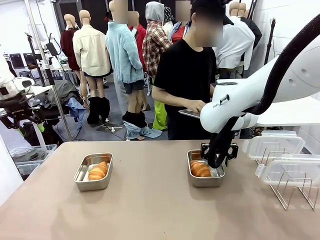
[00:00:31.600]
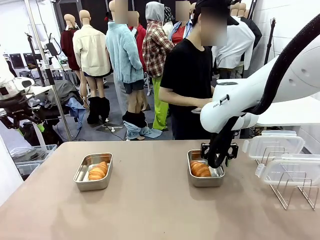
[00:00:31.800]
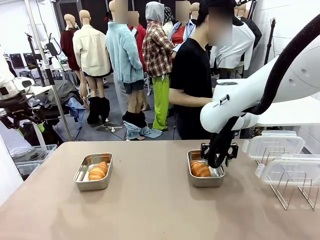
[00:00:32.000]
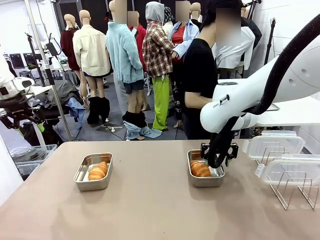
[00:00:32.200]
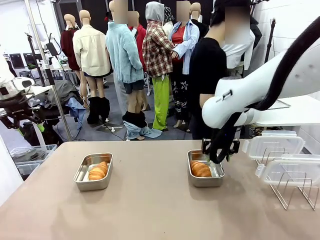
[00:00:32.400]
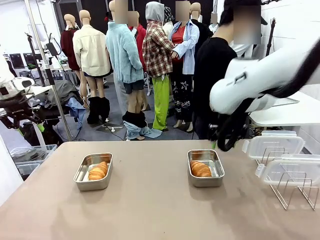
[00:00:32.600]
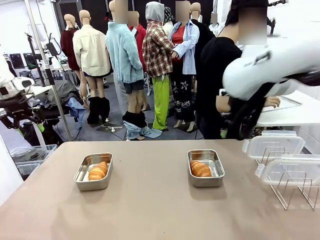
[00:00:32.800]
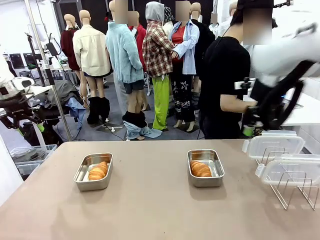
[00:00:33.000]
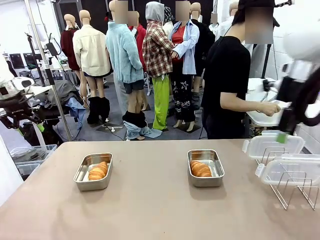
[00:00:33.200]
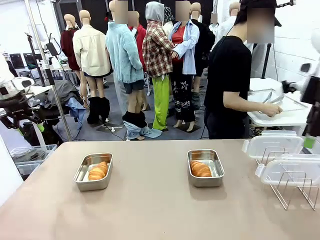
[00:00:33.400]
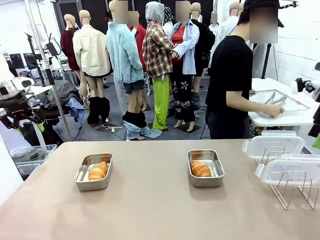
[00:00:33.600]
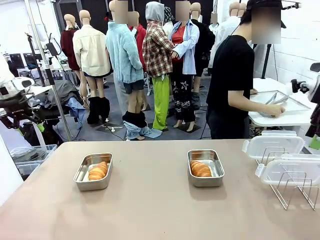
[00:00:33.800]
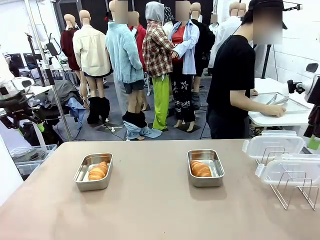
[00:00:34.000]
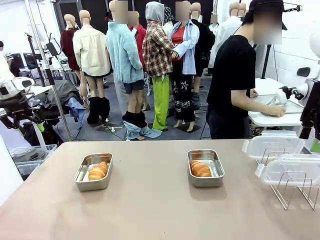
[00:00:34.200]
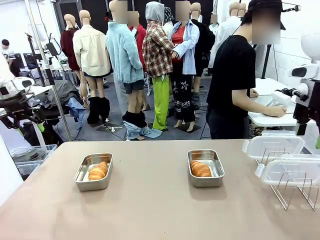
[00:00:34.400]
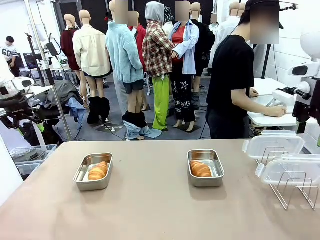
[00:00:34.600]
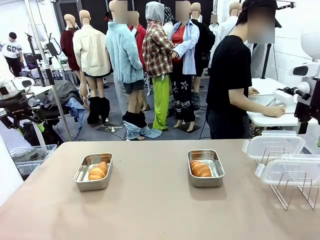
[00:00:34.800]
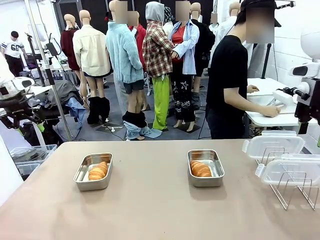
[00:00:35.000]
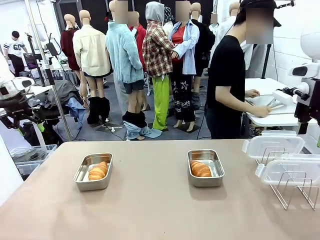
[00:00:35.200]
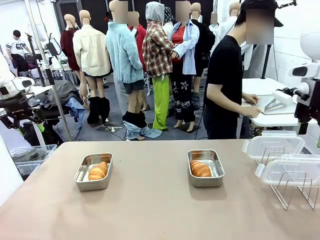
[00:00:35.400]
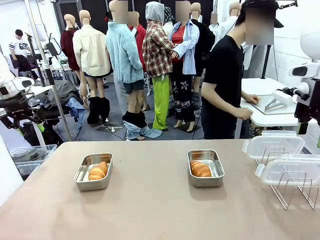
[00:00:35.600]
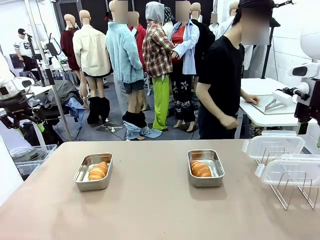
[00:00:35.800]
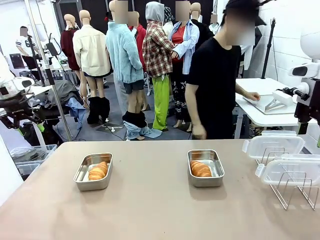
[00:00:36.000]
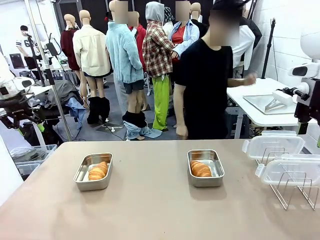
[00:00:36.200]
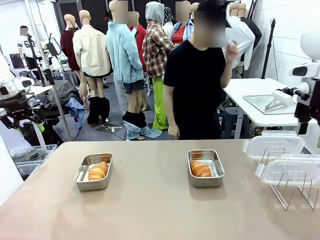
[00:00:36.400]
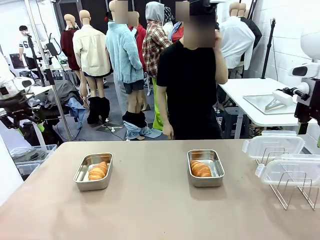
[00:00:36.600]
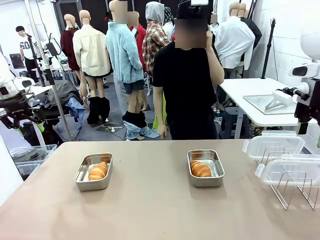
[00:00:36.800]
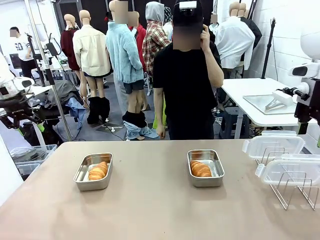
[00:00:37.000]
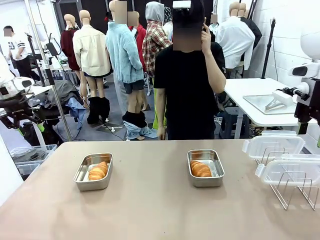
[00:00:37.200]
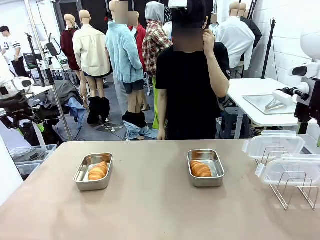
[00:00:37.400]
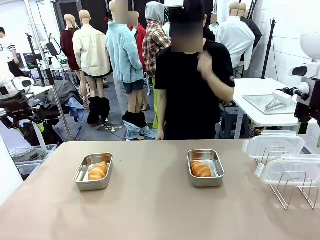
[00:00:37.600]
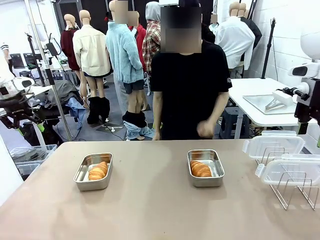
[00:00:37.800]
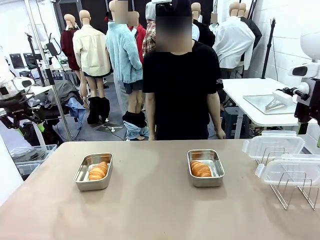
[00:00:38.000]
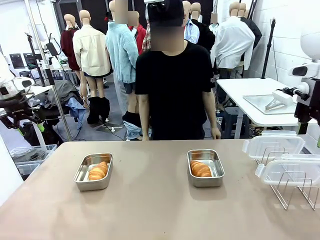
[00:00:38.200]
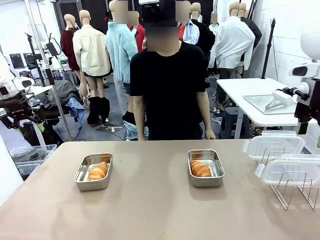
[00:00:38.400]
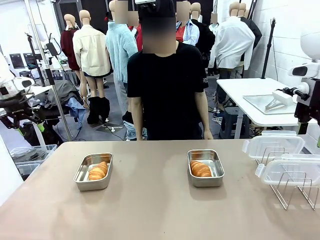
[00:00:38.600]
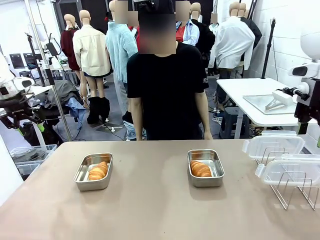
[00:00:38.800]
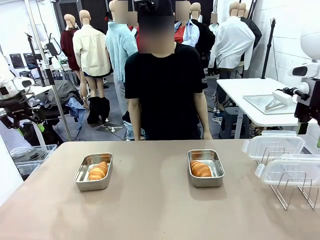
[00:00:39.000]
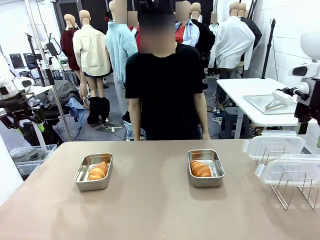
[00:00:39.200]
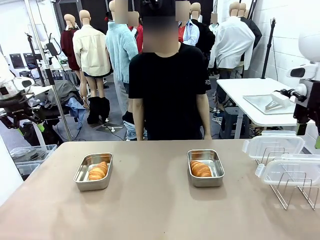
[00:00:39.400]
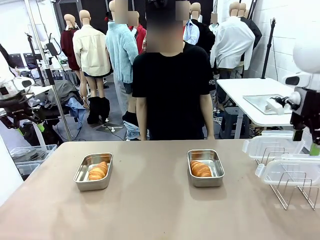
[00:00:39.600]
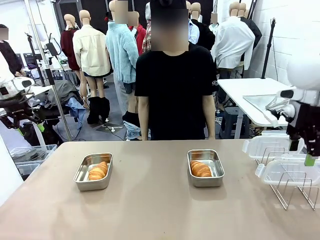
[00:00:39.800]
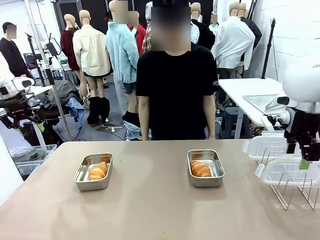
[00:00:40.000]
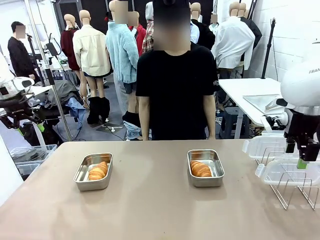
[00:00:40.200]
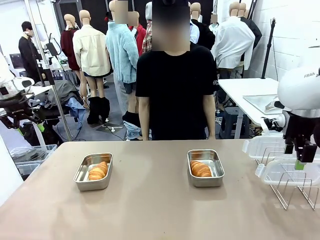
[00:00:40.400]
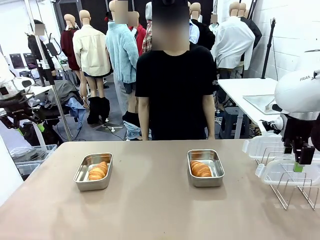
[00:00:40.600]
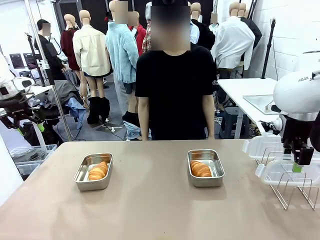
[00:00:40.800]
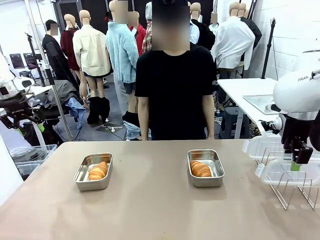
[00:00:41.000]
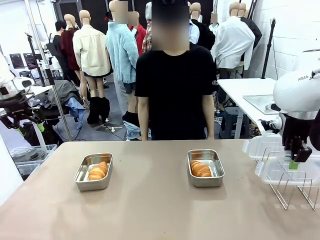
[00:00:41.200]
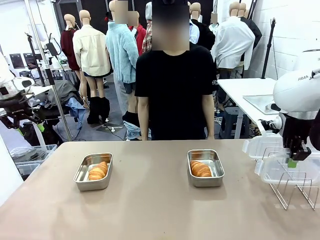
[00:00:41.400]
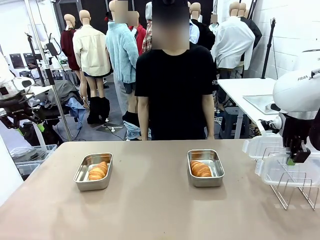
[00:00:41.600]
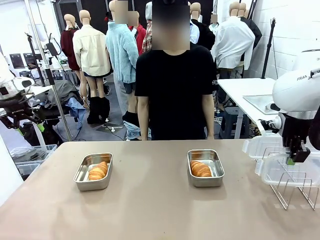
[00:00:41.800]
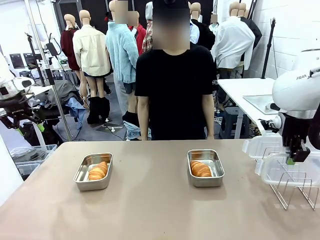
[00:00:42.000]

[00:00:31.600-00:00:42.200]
Task: Place the bread in airtight containers.
Robot: Pick up one Airtight Container lid and hand it to the human.
Person: Place Baking Sheet on the Human's Table.

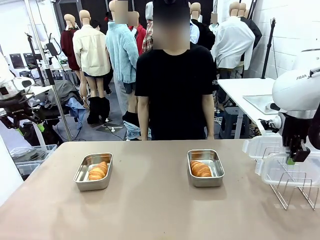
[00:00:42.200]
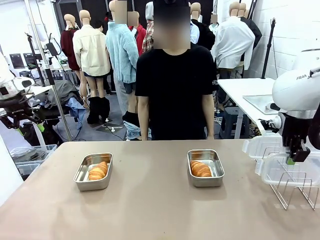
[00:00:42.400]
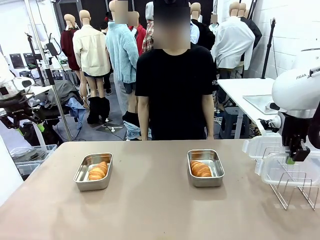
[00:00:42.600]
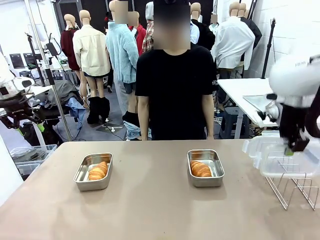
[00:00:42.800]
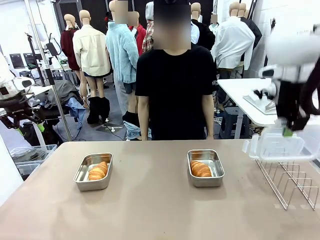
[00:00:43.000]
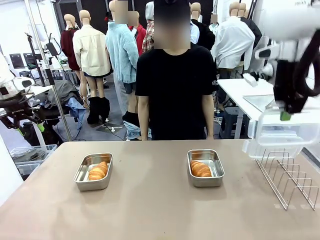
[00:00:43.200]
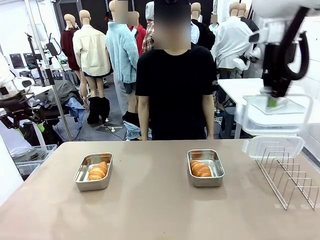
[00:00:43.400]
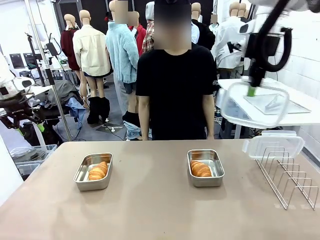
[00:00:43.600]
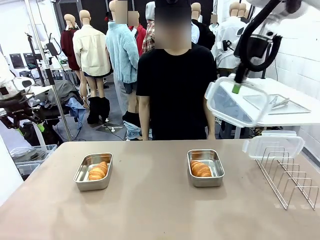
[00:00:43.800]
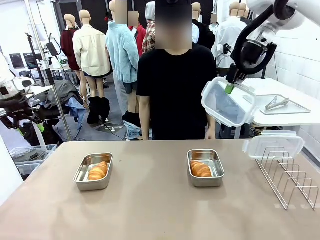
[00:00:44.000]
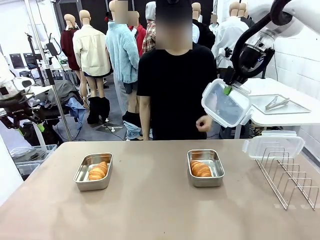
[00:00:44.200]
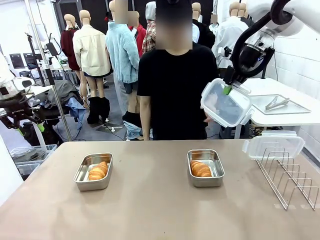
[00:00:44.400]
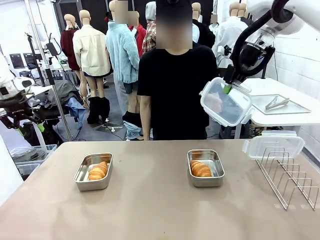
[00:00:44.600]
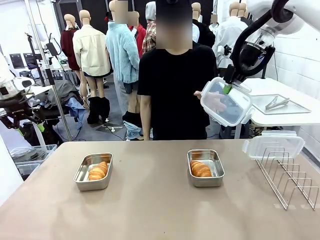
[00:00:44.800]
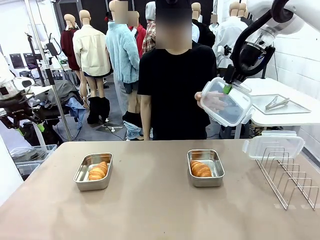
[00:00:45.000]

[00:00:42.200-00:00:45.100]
Robot: Release when the human grabs the Airtight Container lid.
